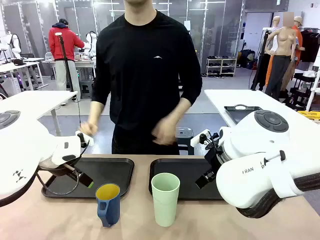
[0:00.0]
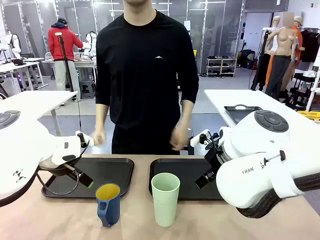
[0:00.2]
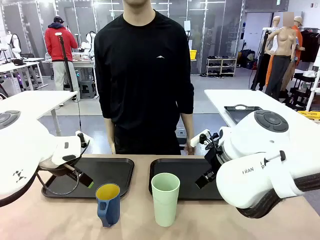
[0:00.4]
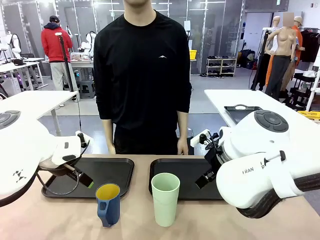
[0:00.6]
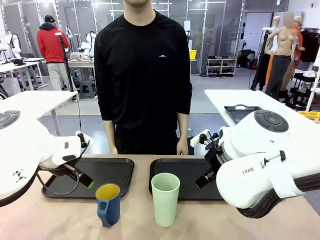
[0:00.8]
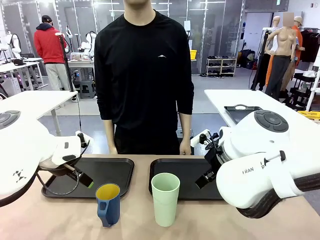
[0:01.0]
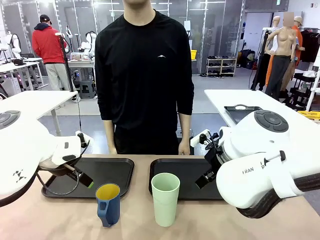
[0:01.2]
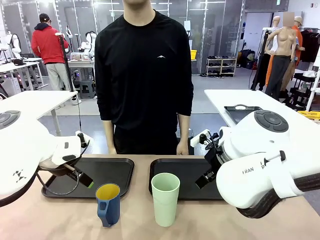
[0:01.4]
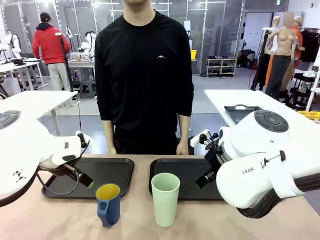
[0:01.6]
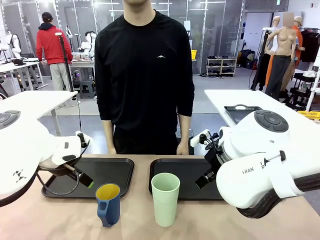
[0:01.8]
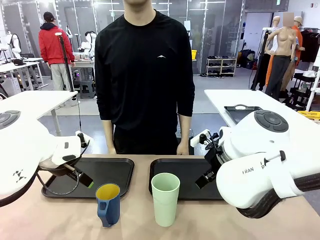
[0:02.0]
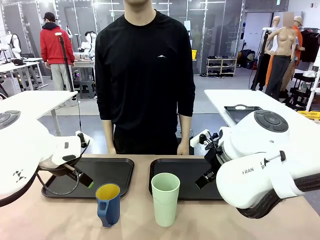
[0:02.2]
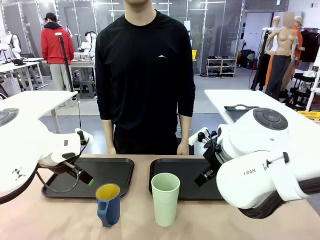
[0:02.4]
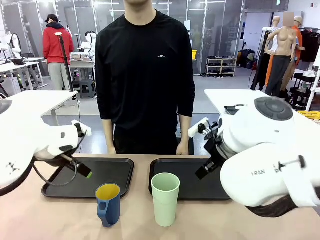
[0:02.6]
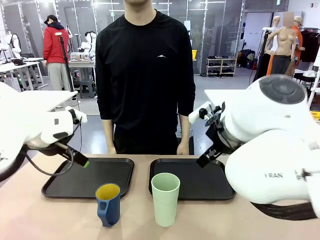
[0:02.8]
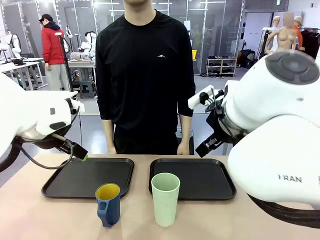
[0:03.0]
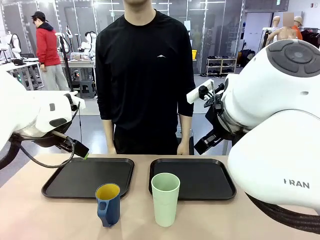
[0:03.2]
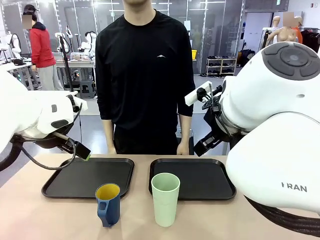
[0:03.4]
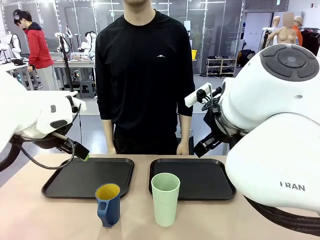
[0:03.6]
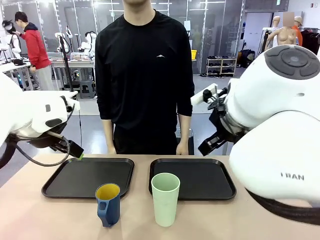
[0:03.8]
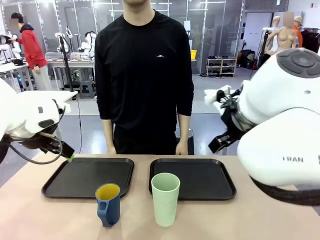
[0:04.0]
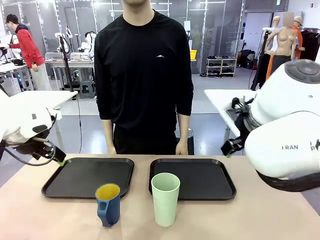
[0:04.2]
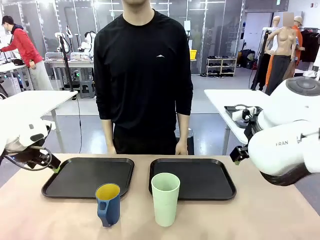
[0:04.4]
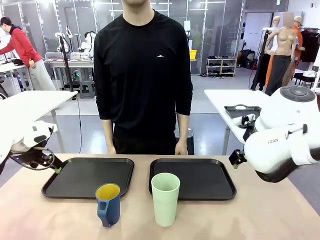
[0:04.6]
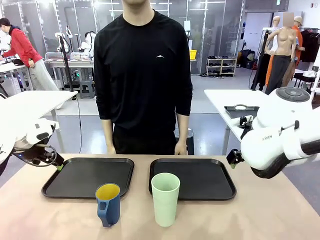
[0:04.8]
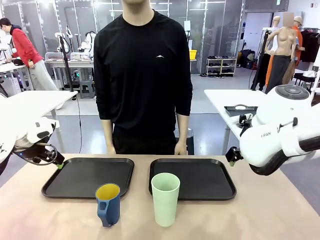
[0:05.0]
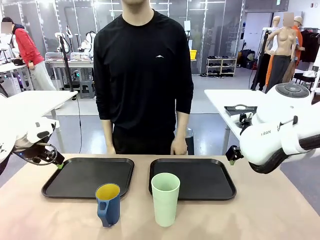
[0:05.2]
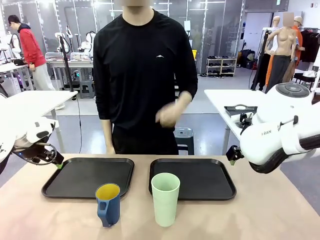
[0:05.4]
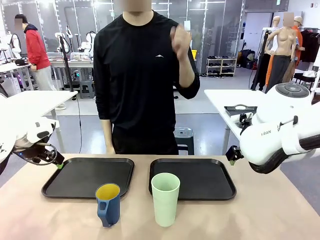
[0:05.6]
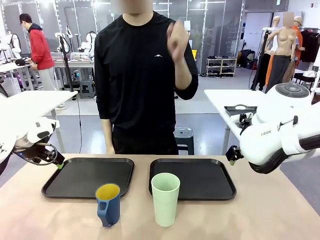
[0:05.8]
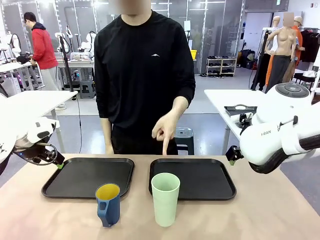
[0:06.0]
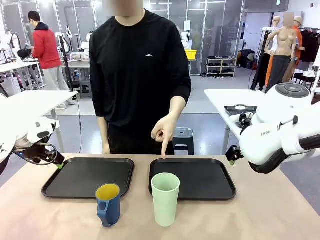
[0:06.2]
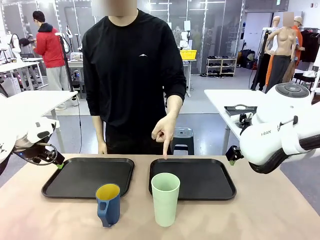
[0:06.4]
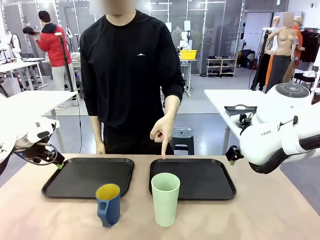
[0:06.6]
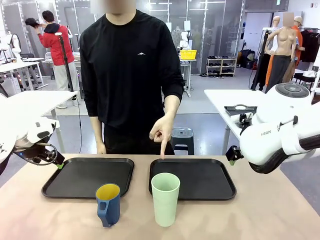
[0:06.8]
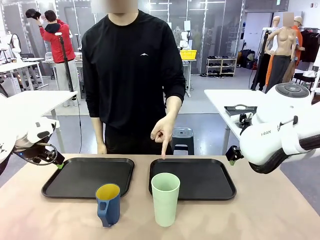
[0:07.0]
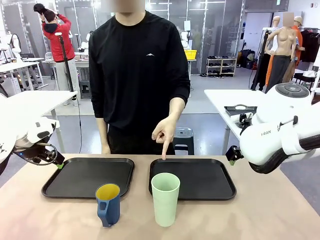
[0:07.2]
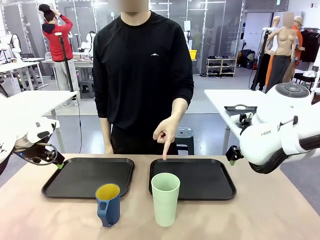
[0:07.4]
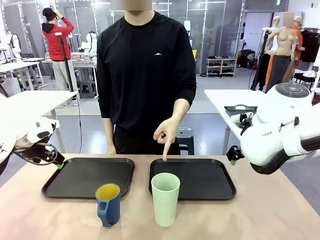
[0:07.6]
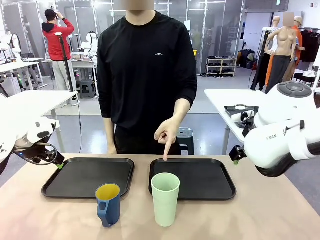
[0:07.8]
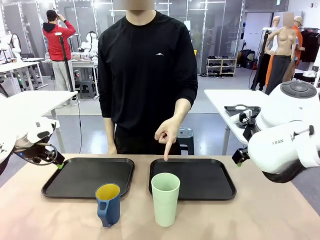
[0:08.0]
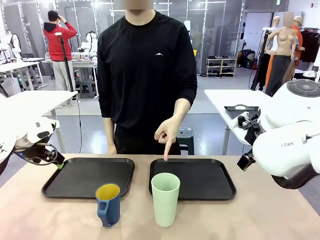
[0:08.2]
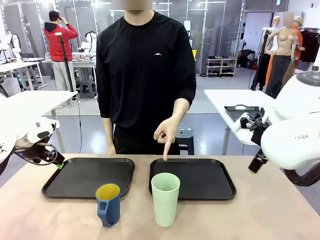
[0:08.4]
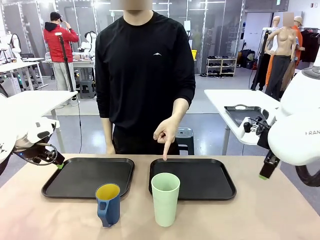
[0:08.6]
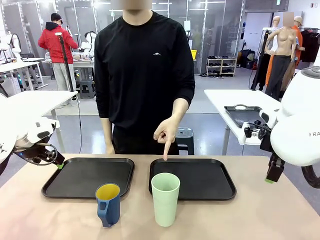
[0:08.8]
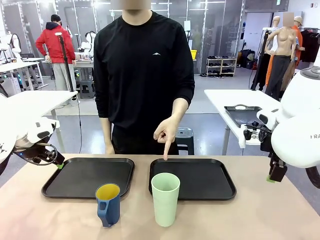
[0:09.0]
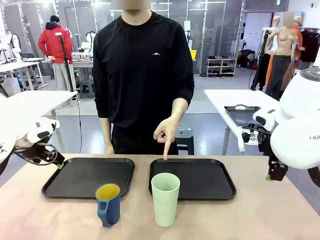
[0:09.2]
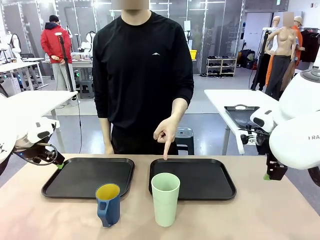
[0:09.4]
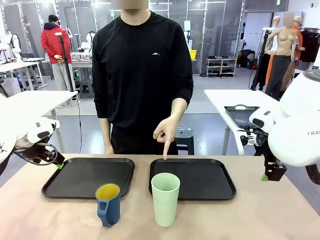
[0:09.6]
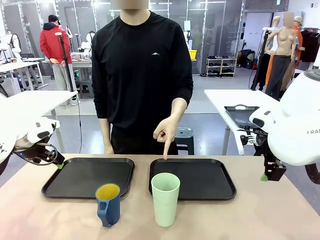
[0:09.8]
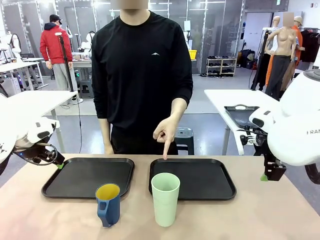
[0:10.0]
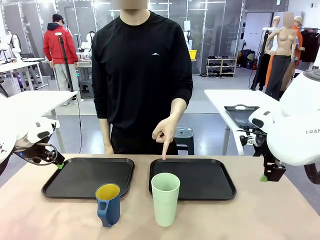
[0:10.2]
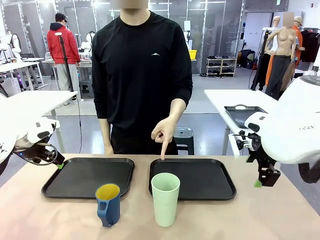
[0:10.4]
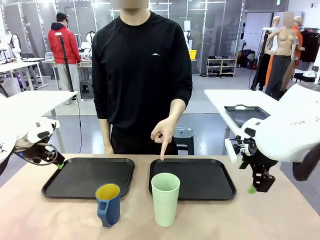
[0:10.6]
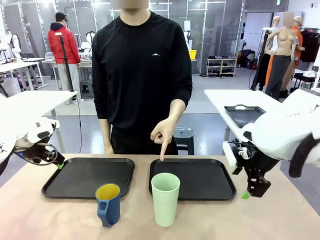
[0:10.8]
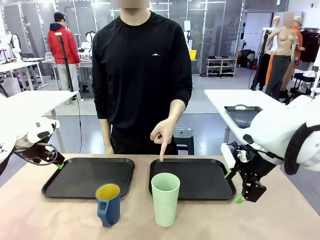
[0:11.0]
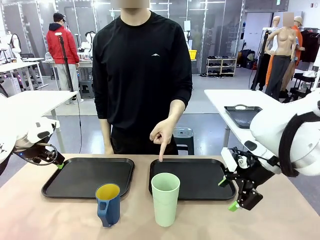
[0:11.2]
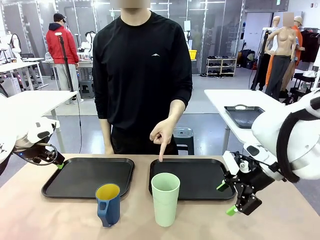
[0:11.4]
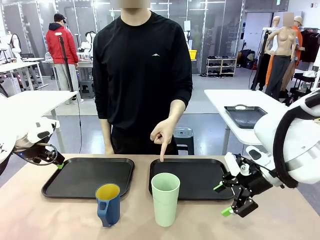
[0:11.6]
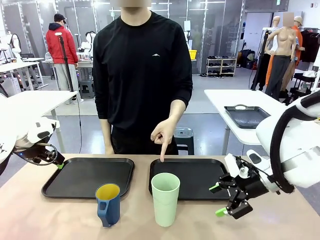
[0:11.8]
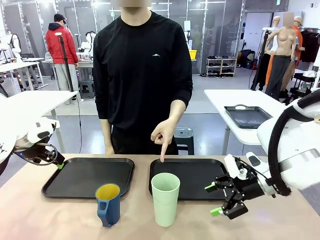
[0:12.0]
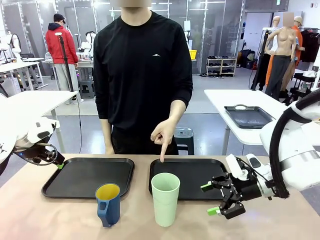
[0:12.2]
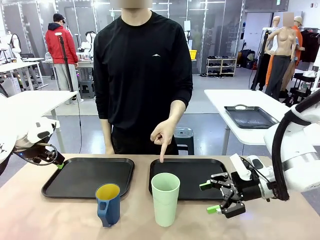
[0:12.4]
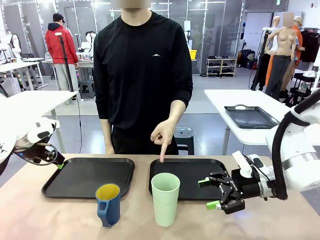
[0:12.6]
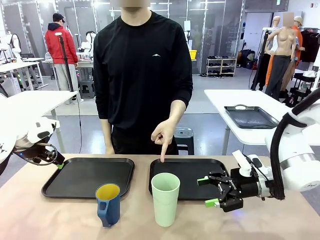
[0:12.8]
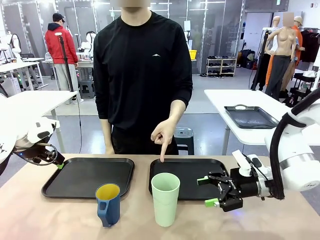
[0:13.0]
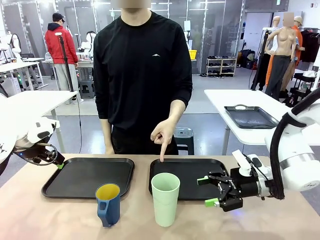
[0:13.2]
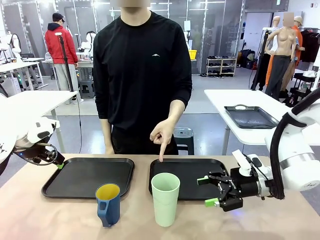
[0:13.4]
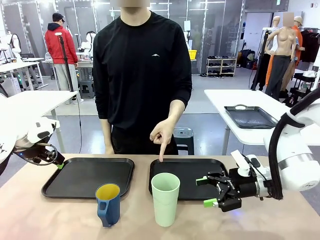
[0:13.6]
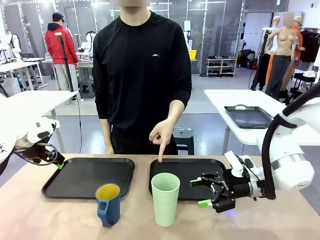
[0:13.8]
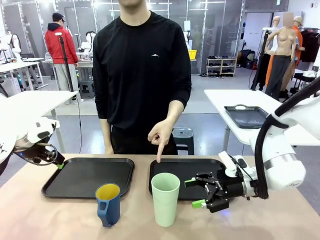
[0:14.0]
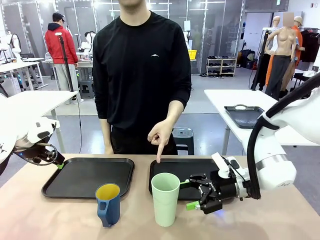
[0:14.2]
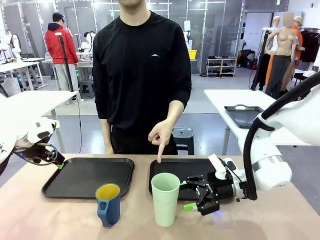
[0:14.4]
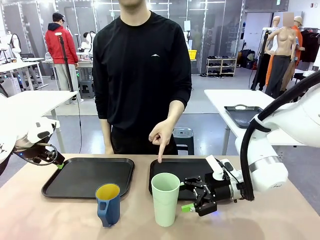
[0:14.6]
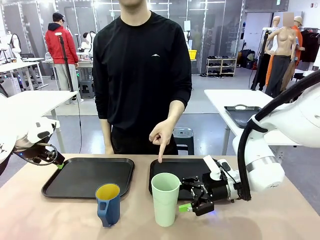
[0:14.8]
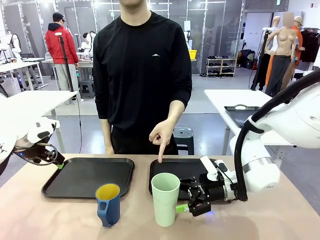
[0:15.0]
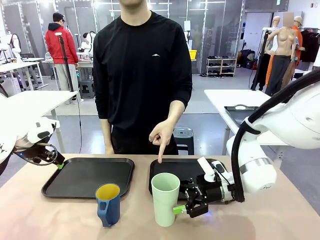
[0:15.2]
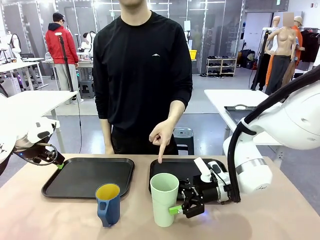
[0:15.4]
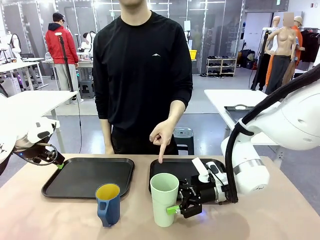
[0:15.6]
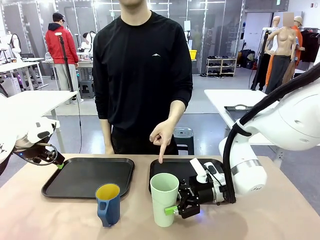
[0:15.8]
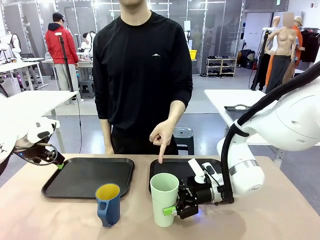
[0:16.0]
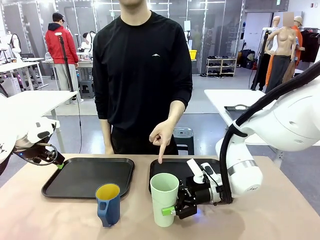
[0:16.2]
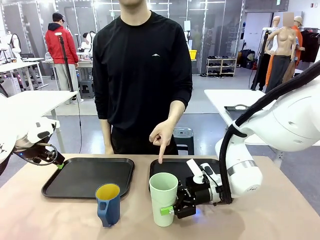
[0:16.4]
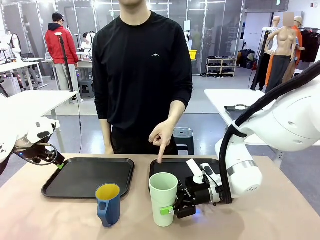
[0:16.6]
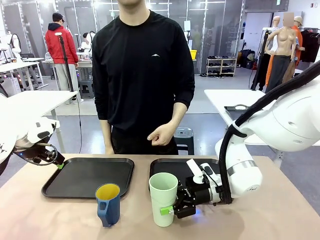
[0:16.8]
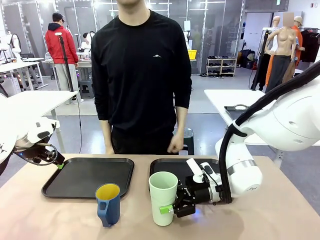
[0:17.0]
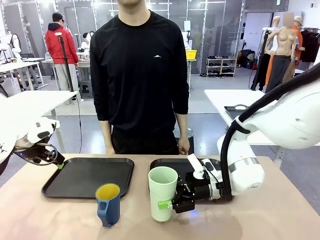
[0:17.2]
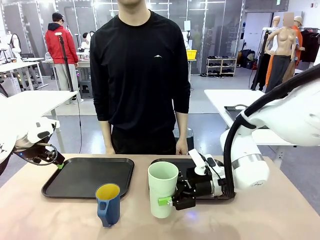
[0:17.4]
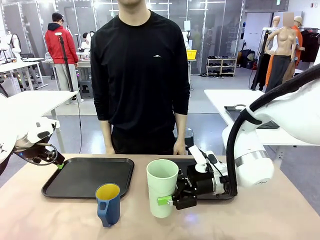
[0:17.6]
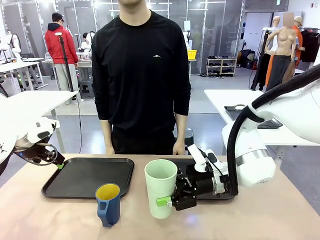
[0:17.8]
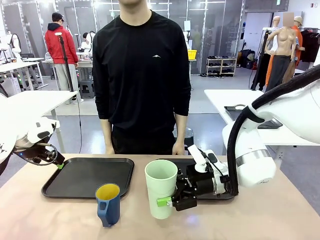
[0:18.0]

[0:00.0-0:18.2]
Task: Sort and store the cups by type.
Robot: Pick up the Reusable plastic cup.
Person: Points to the reusable cup. Point to one of the two trays.
